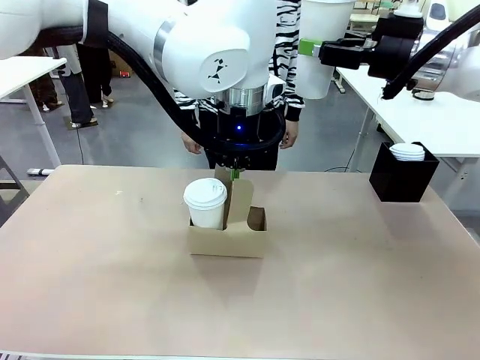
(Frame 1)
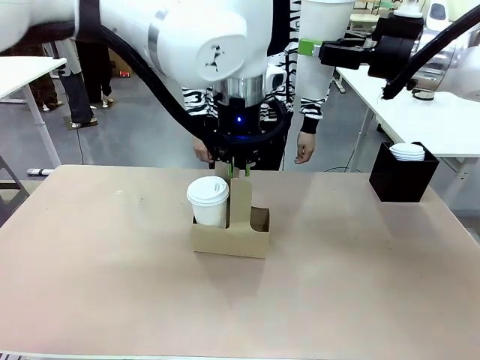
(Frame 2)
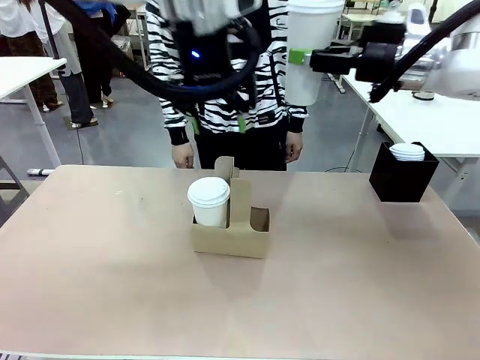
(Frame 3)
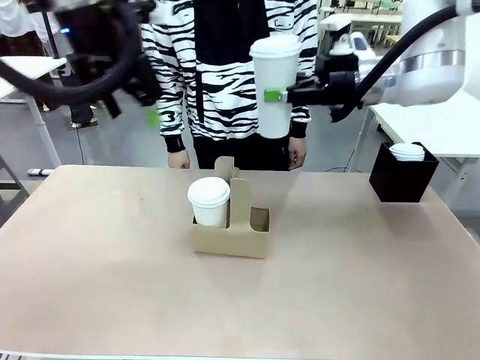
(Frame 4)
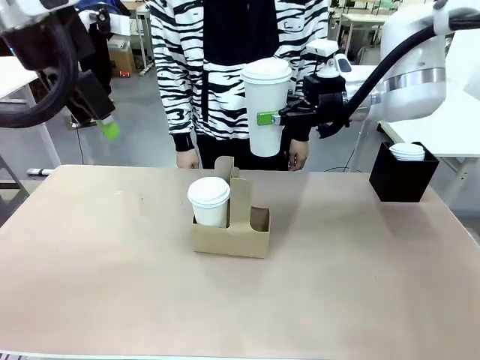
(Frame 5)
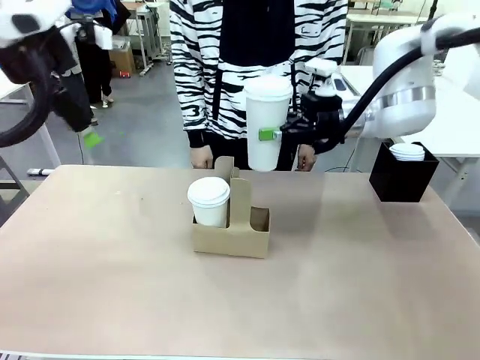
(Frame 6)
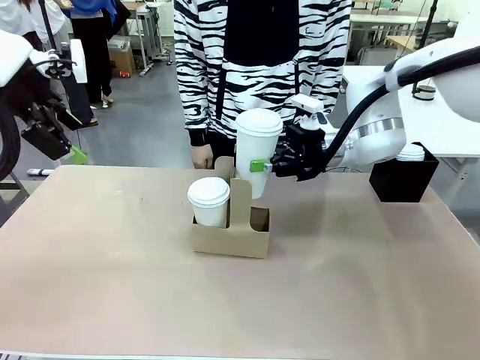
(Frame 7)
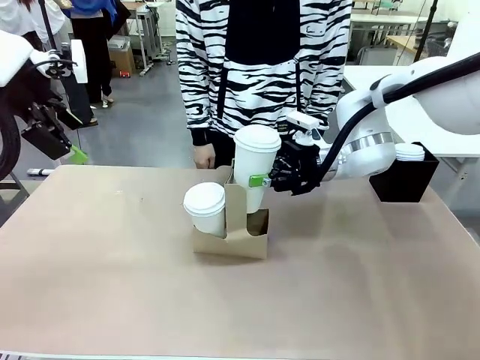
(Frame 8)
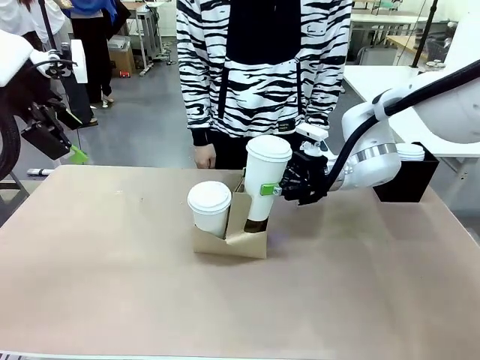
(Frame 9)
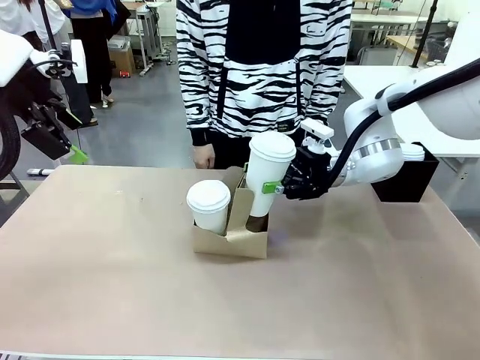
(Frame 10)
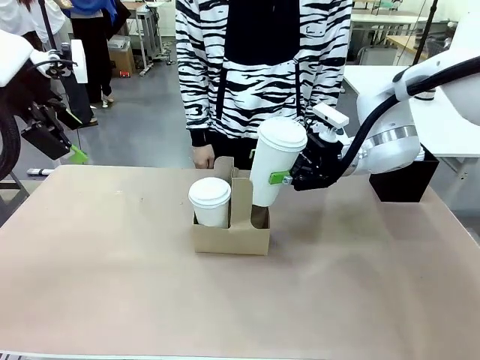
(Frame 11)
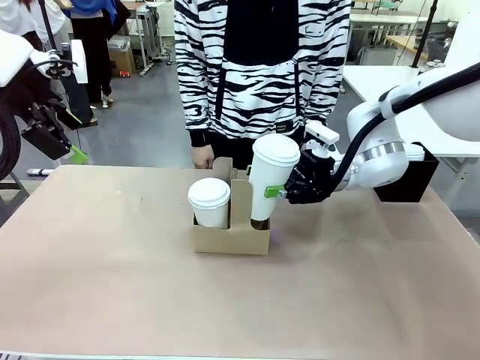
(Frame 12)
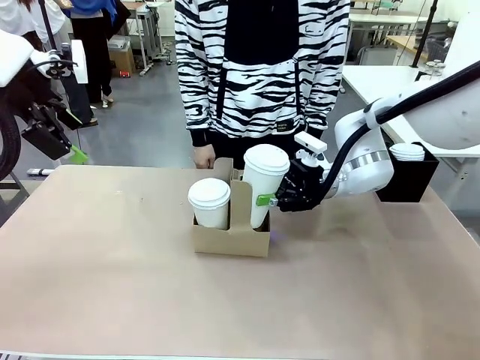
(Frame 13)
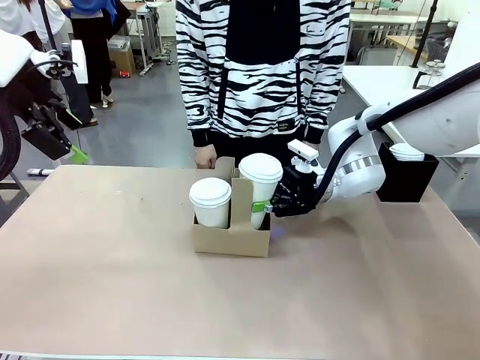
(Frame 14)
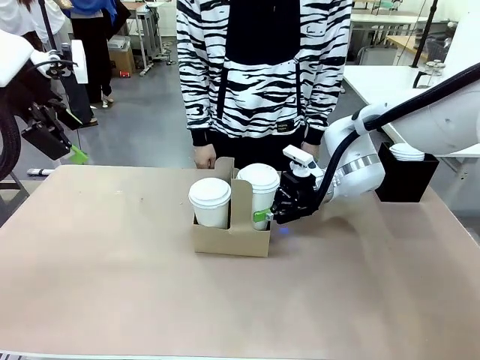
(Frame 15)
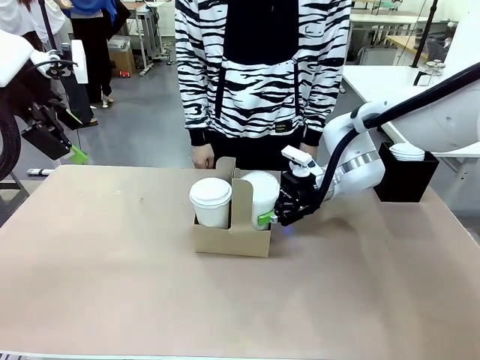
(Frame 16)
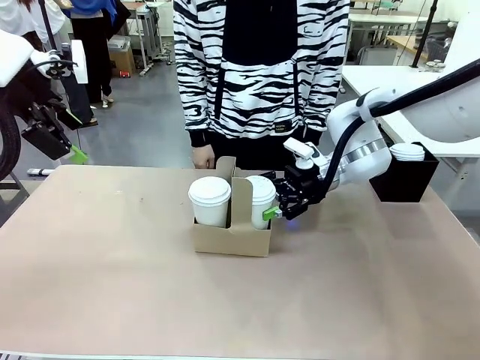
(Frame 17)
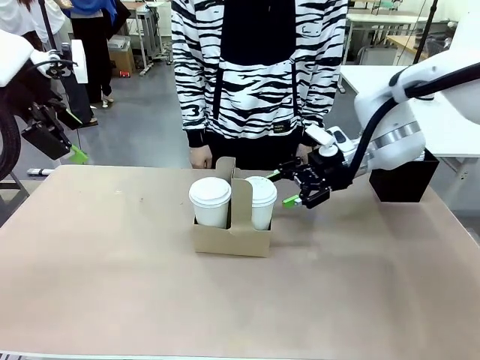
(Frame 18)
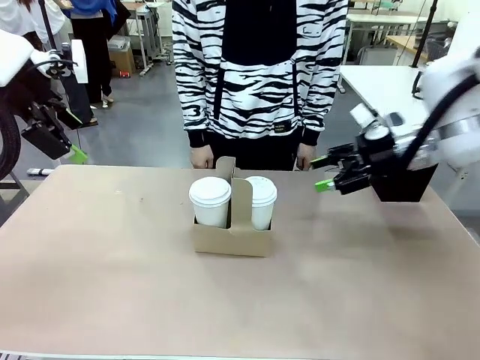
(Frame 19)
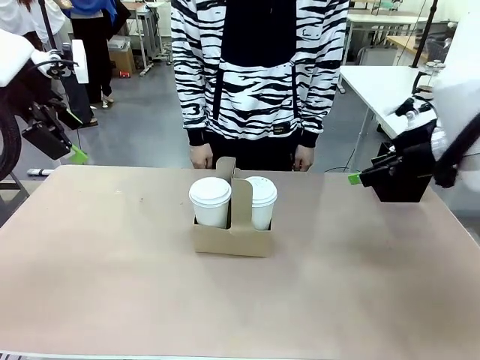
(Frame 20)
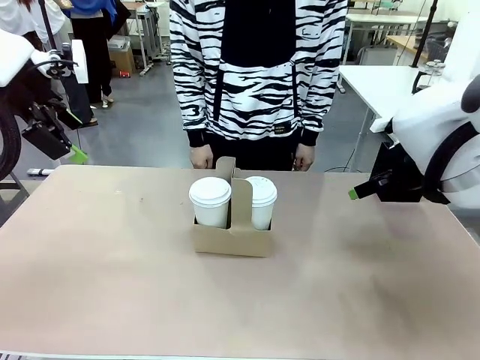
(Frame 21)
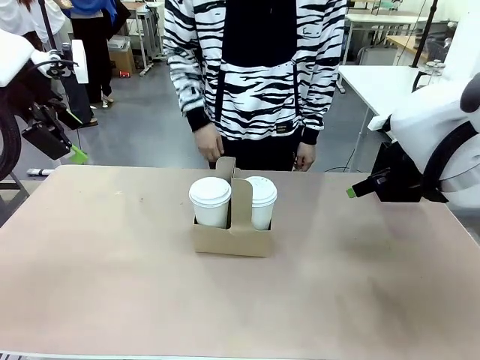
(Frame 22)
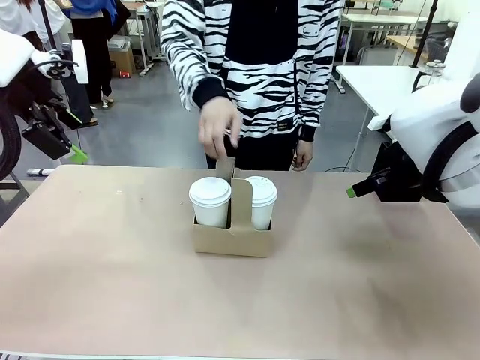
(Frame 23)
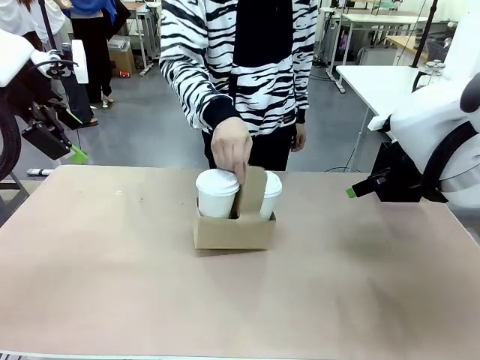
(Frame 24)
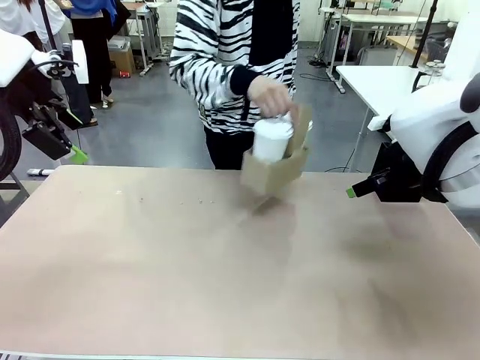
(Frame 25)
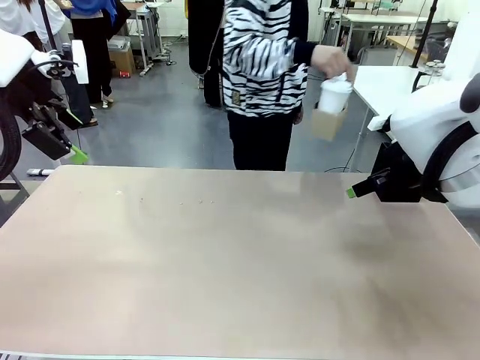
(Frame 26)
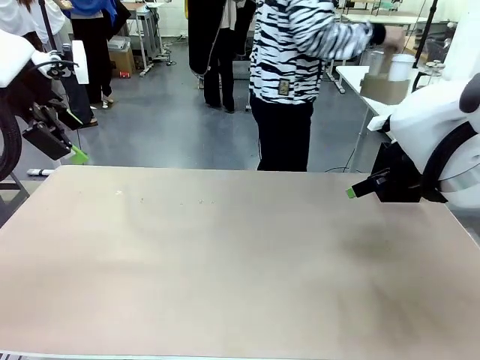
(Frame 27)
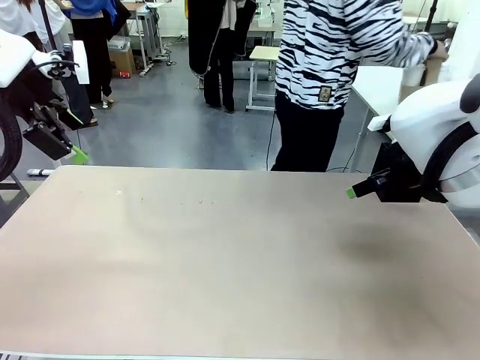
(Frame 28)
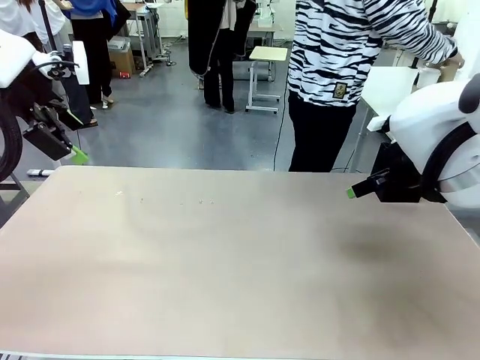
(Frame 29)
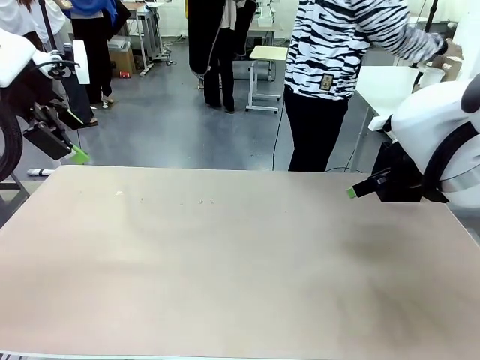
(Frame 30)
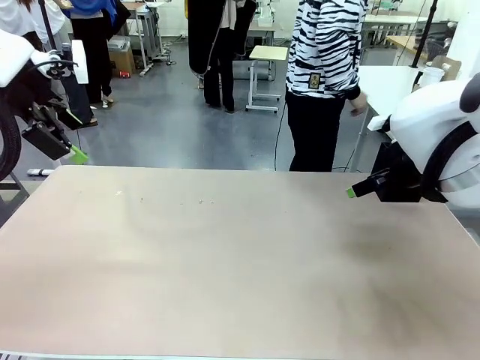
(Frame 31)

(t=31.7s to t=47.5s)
Task: Pour a drink into a cup and package it in a carrier.
Robot: Insert the held 600 ml Paper Cup into the Cup Carrier.
Person: Place the Cup Carrier to the middle of Human table.

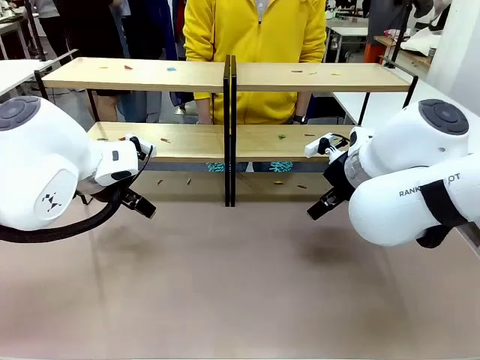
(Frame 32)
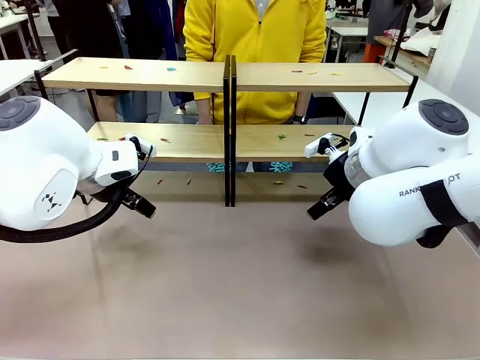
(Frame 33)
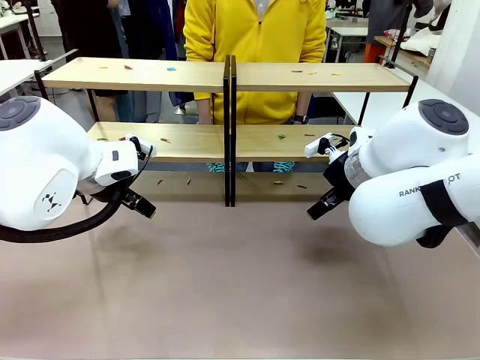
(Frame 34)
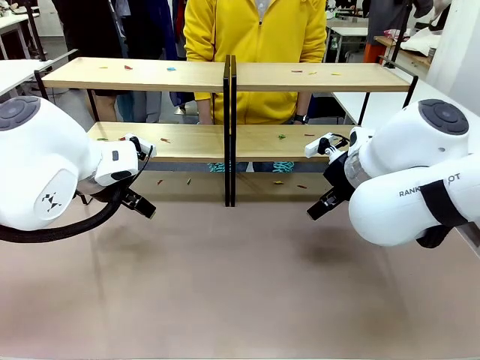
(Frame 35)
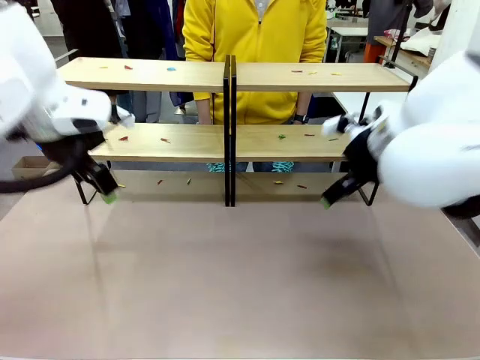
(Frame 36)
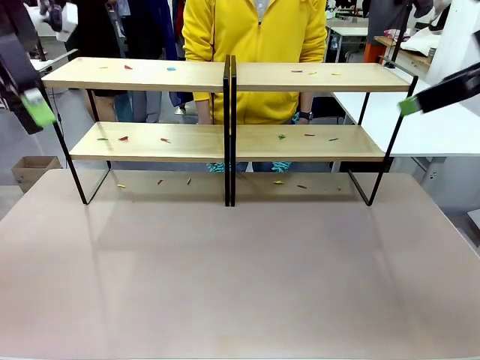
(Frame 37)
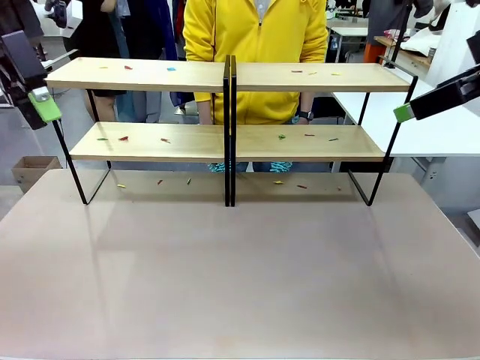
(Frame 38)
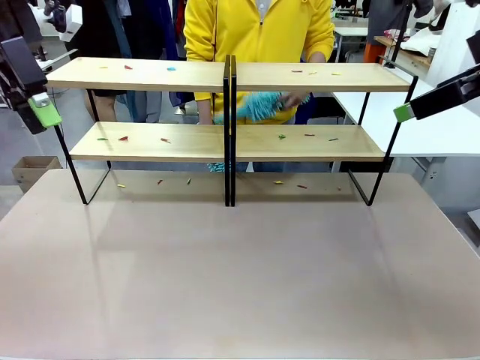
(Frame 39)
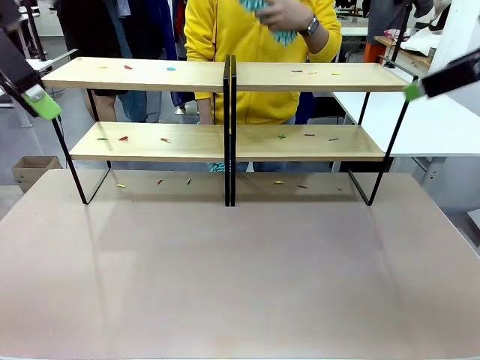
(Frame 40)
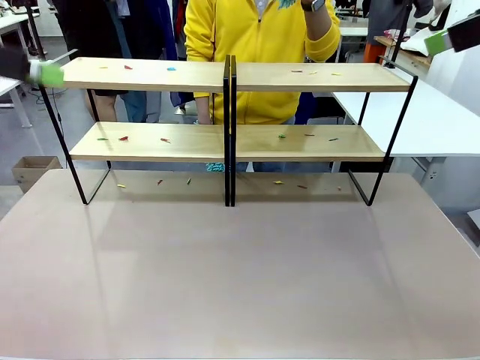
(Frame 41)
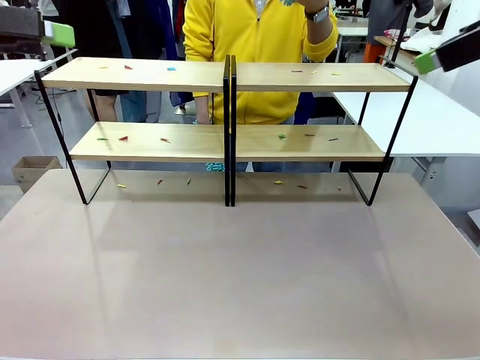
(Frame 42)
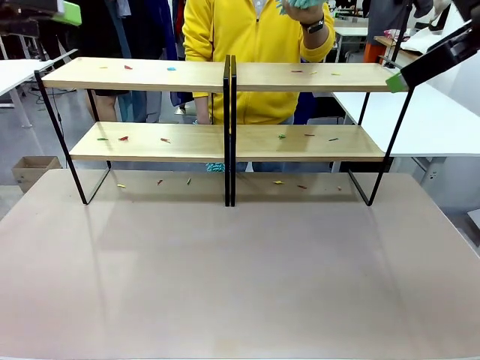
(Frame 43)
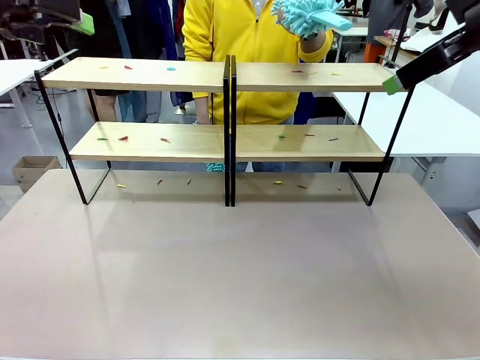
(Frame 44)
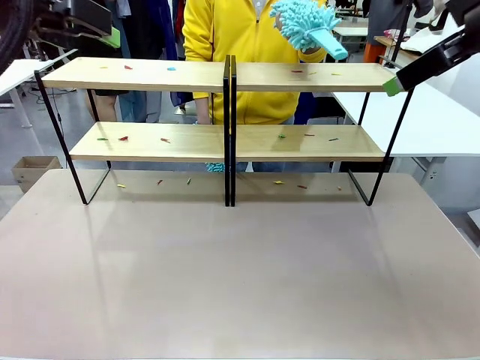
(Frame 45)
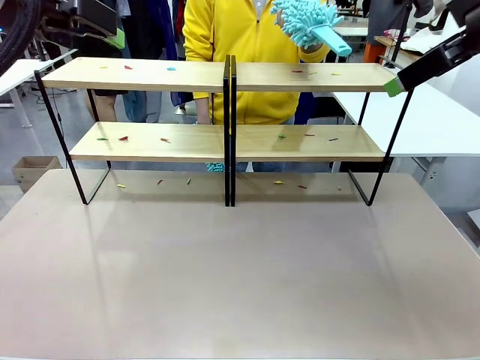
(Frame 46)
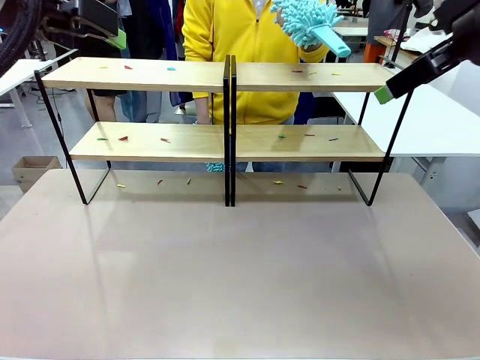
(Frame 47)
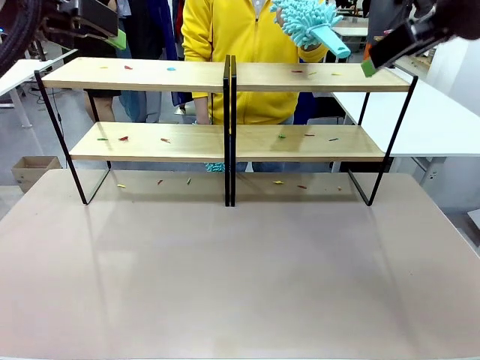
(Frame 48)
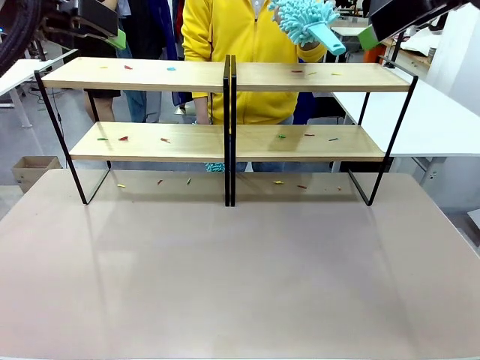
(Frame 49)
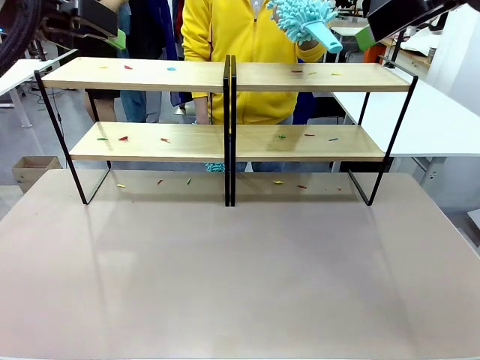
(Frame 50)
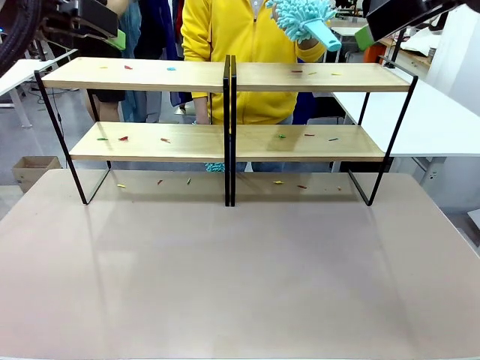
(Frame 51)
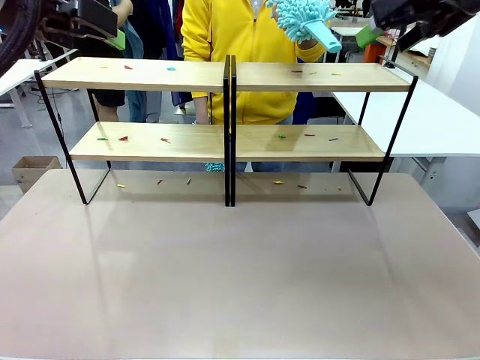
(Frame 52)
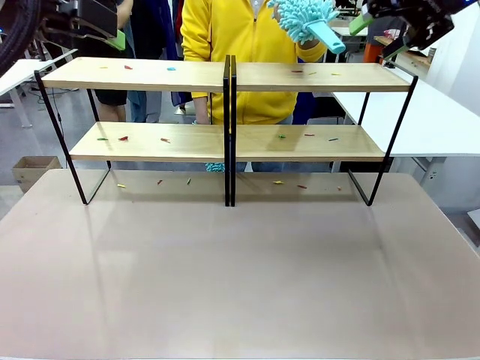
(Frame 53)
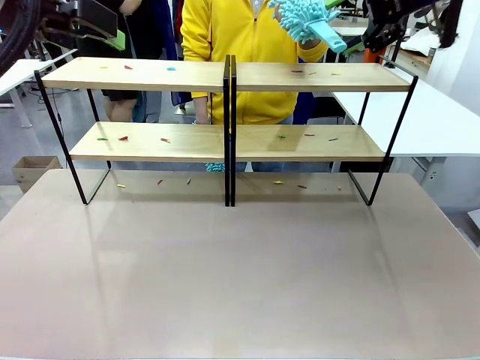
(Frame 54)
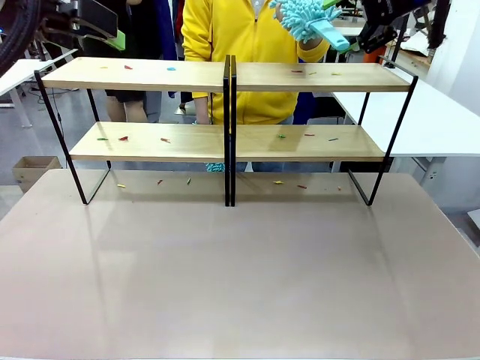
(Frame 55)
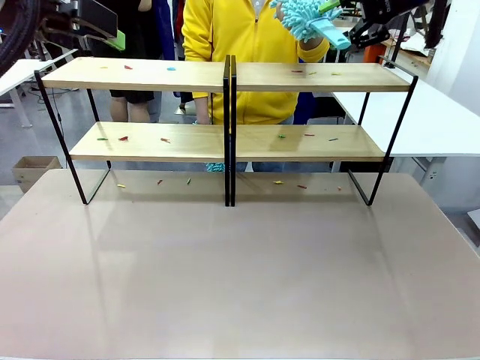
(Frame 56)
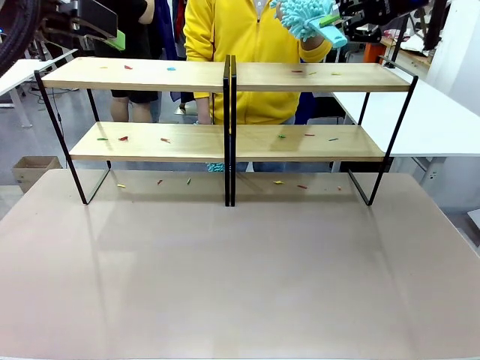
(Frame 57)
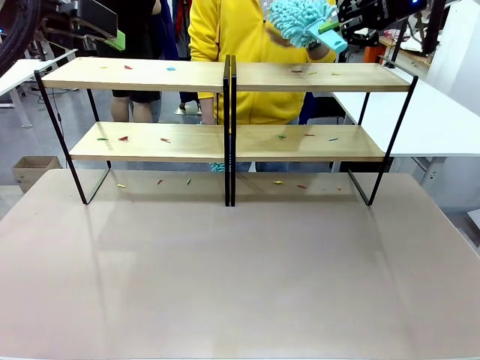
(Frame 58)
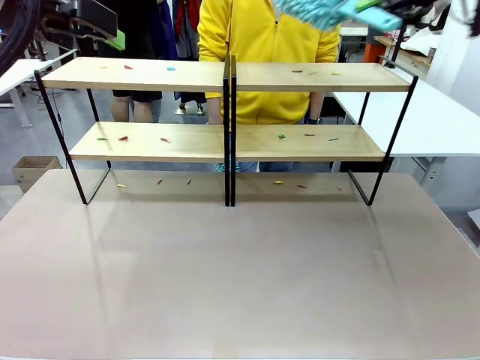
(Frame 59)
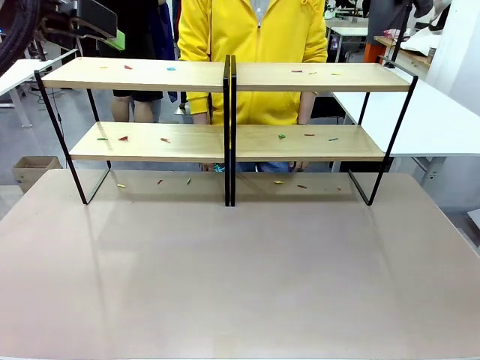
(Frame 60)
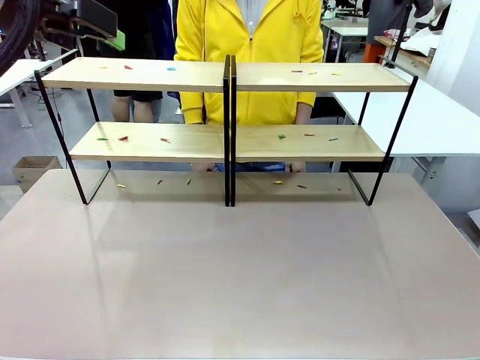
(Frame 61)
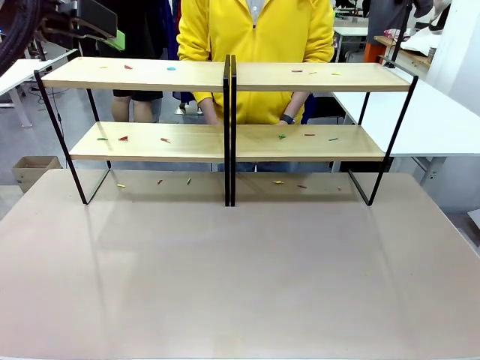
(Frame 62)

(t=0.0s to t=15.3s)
Task: Clean the shelves.
Robot: Pick up the Duster when the human hands it over.
Person: Hand the Duster to the robot with your right (or left) hand.
